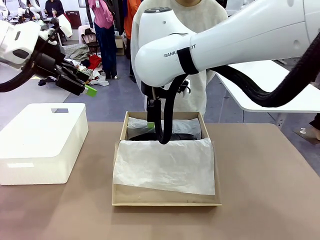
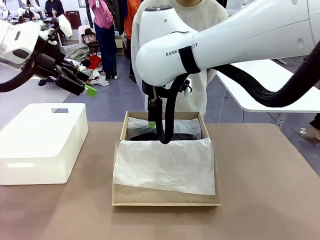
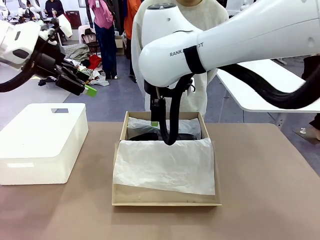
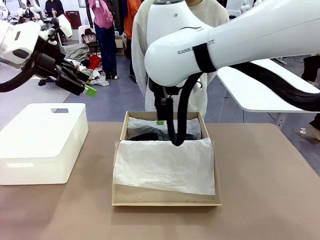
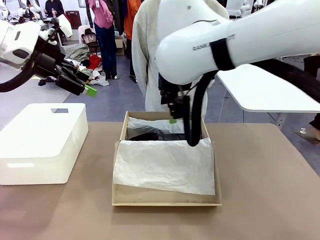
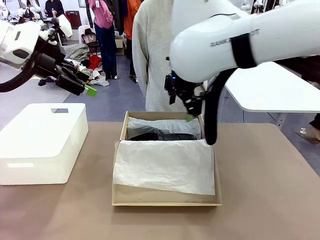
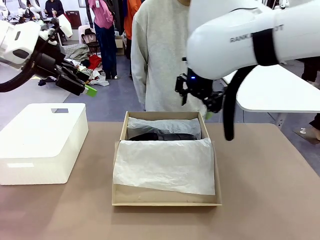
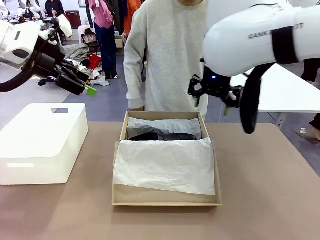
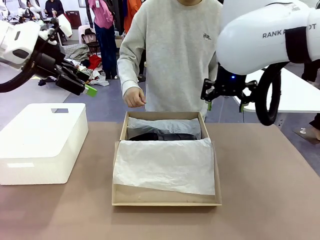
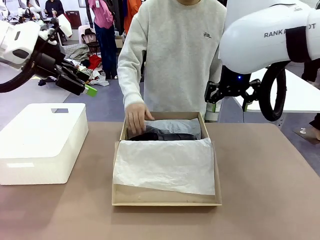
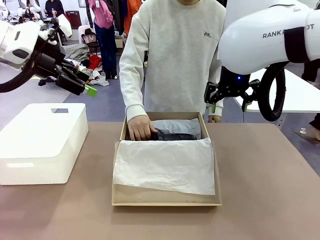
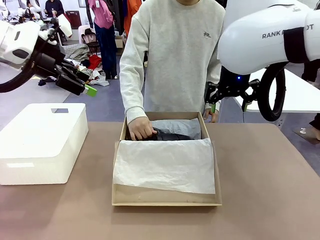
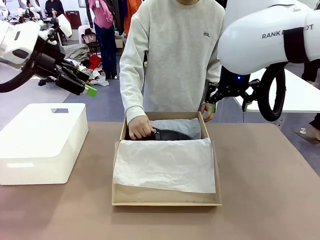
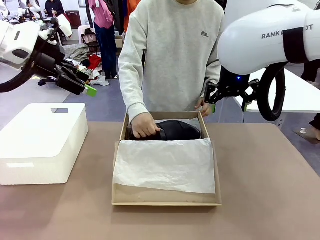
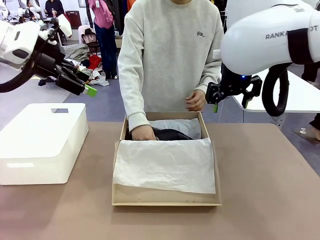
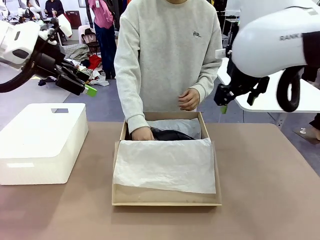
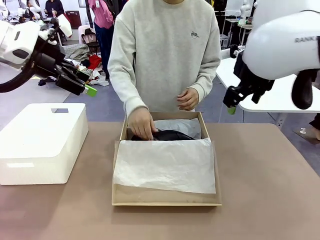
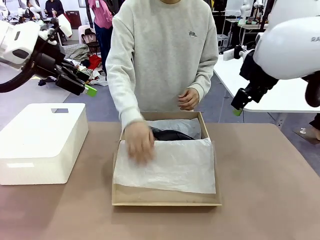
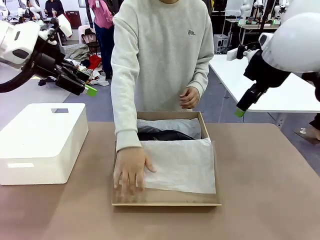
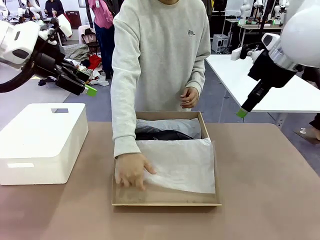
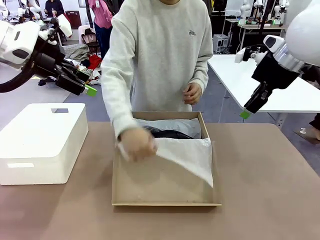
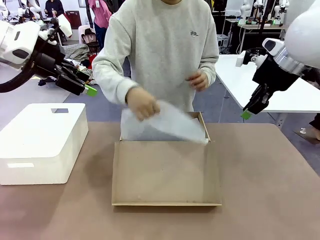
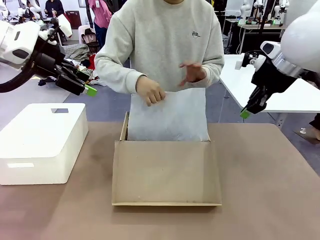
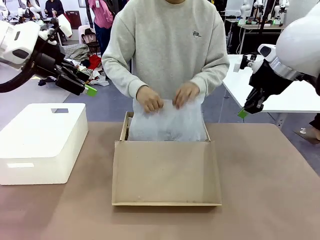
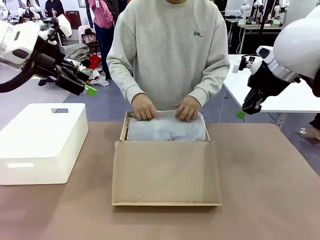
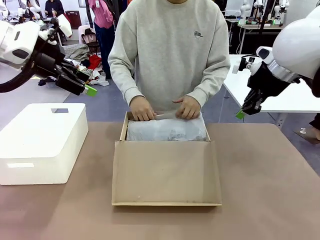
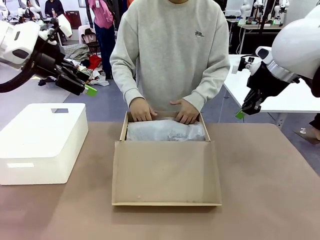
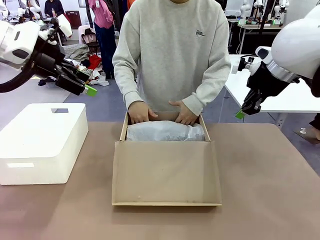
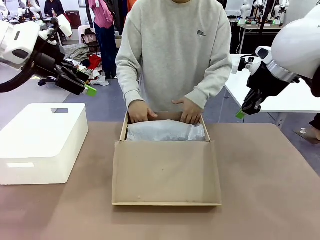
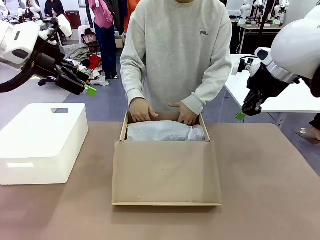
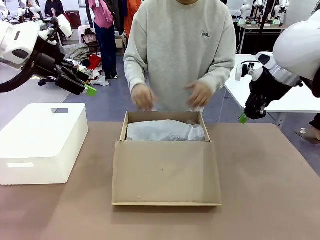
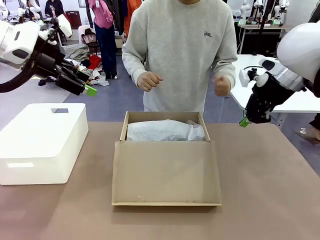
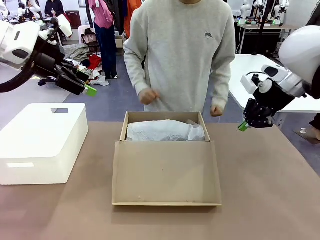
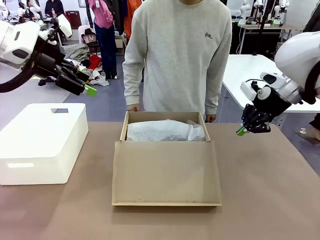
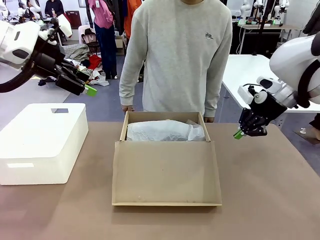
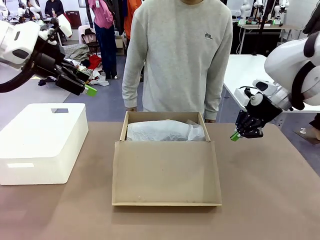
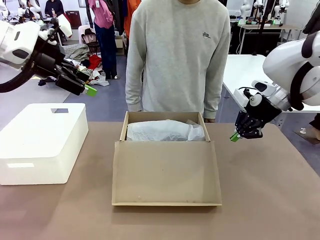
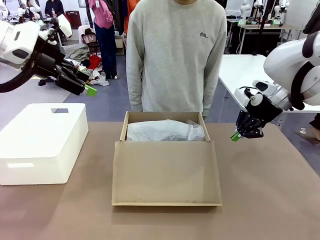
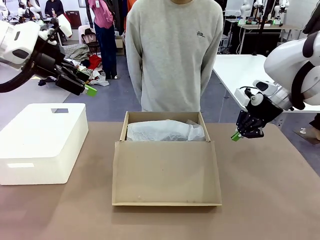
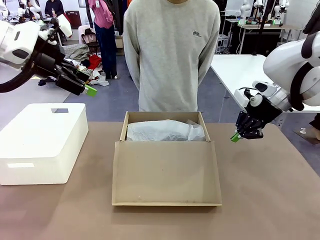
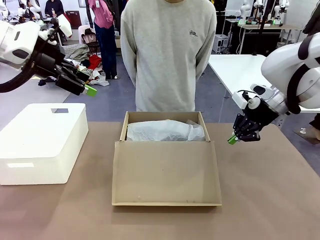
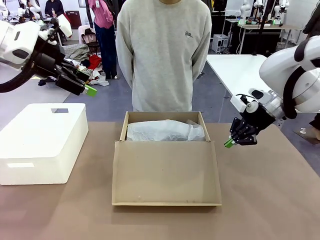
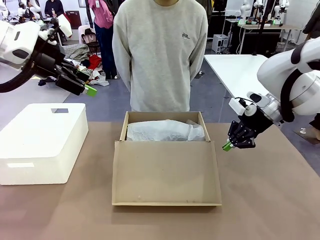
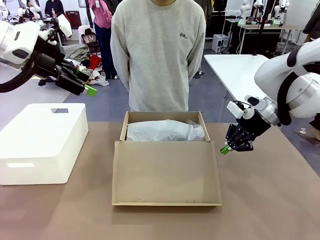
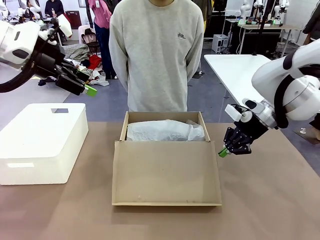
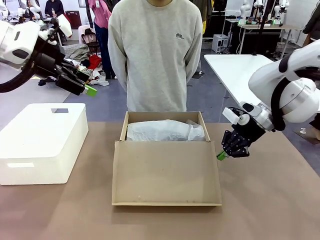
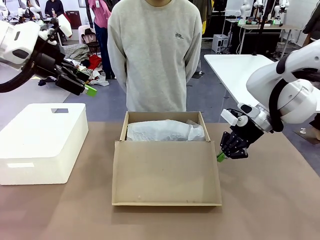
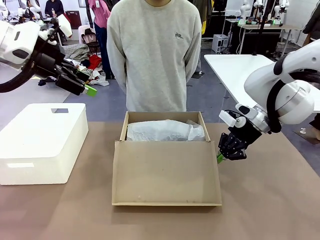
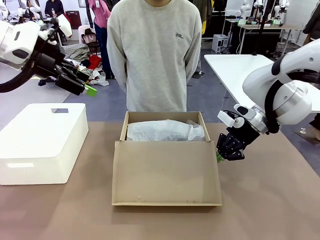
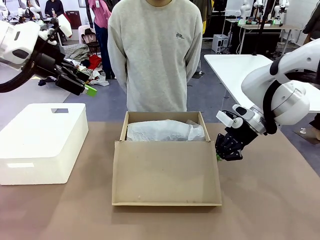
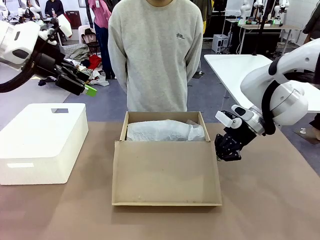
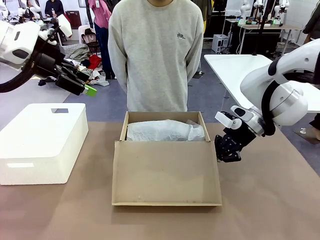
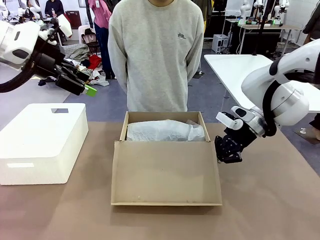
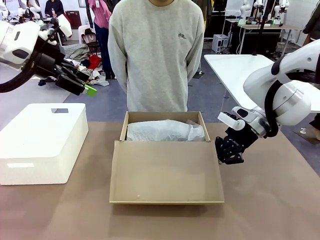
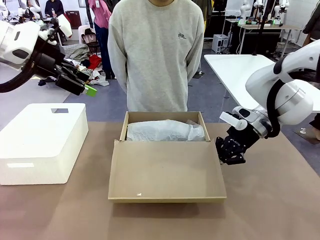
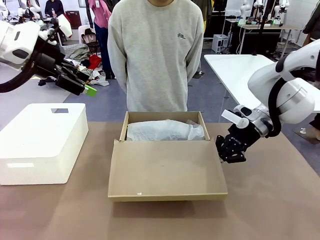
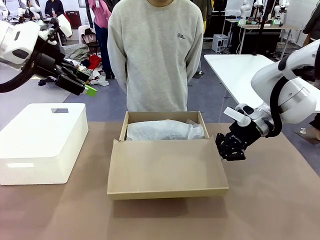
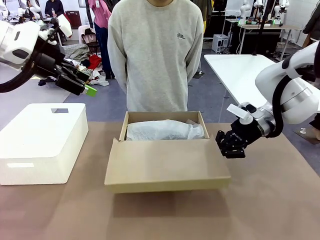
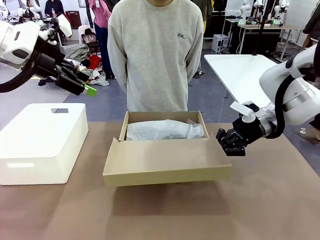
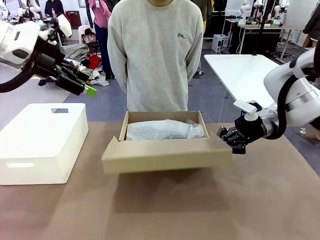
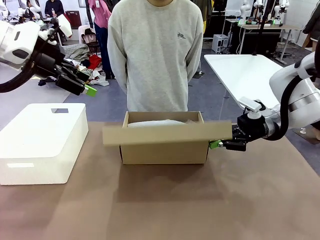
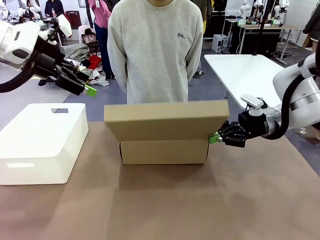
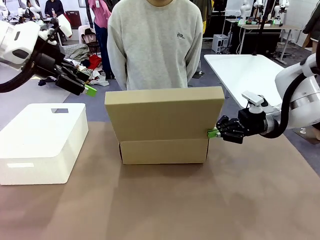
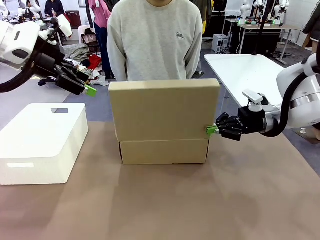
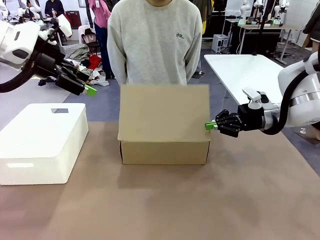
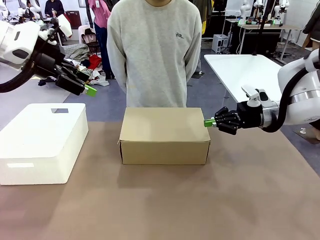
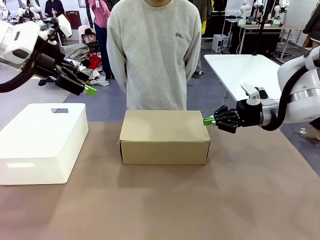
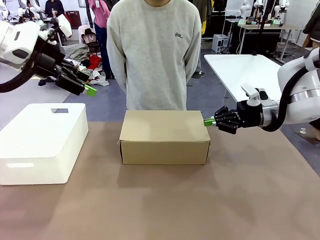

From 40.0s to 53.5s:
Task: Pack the shoes into the box.
Robot: Close the Shoes Box.
